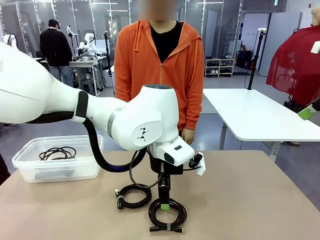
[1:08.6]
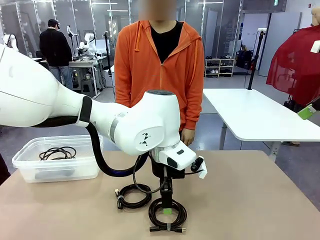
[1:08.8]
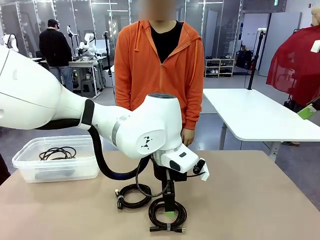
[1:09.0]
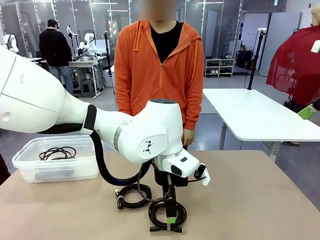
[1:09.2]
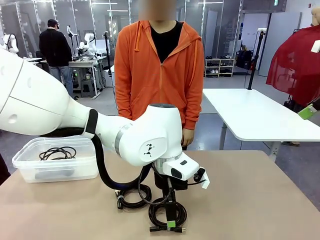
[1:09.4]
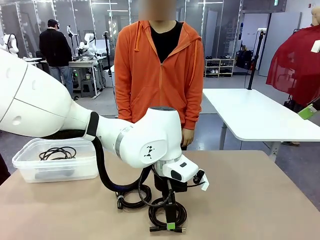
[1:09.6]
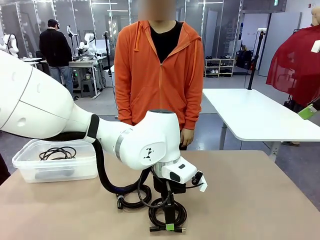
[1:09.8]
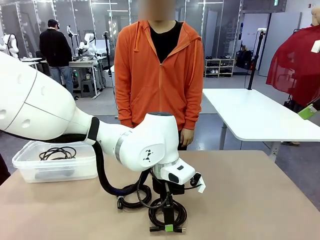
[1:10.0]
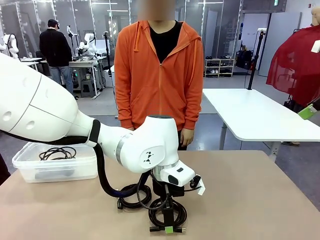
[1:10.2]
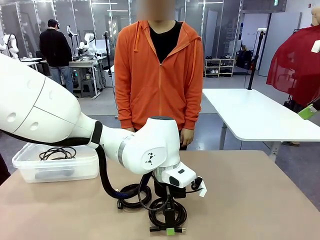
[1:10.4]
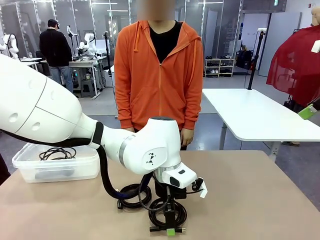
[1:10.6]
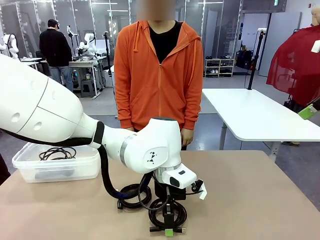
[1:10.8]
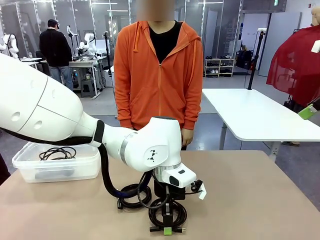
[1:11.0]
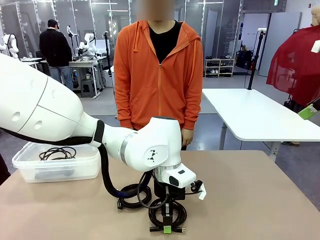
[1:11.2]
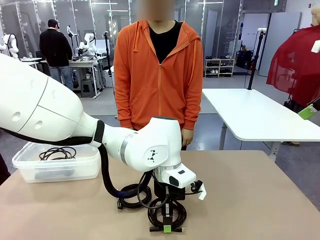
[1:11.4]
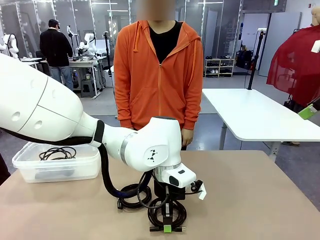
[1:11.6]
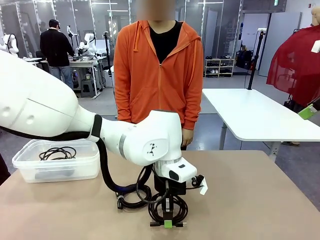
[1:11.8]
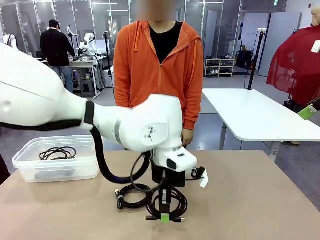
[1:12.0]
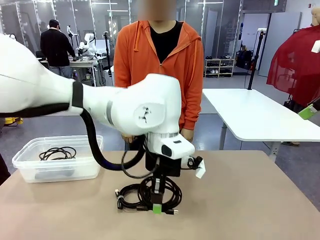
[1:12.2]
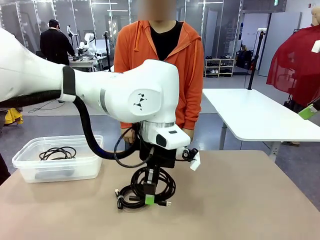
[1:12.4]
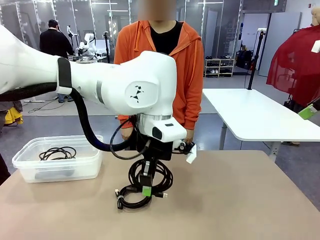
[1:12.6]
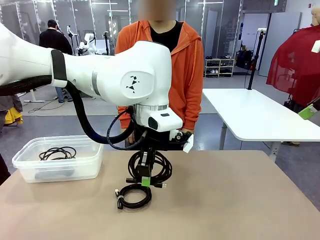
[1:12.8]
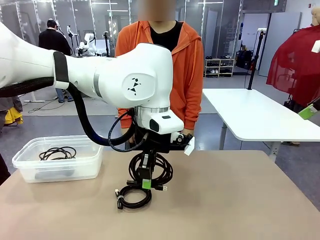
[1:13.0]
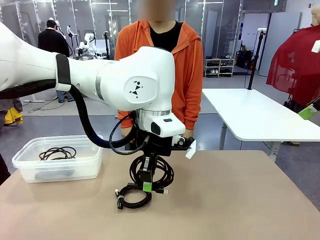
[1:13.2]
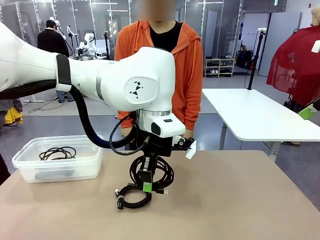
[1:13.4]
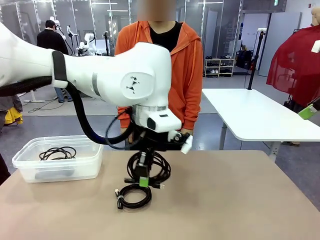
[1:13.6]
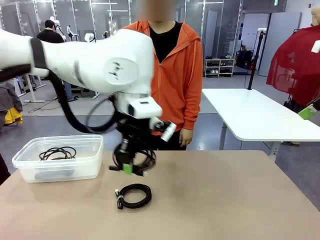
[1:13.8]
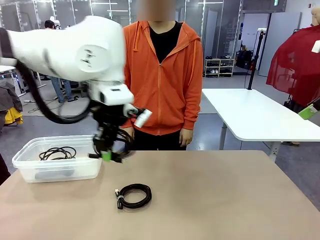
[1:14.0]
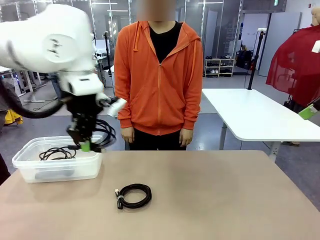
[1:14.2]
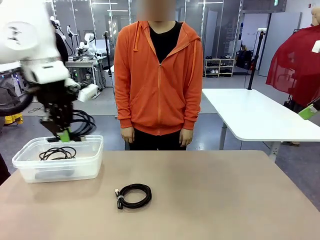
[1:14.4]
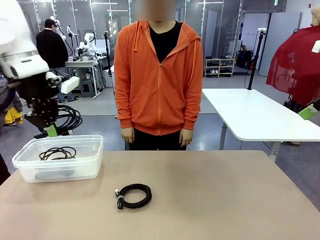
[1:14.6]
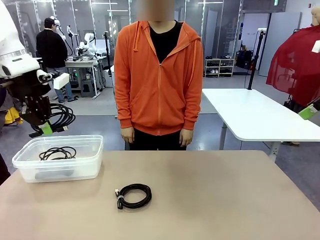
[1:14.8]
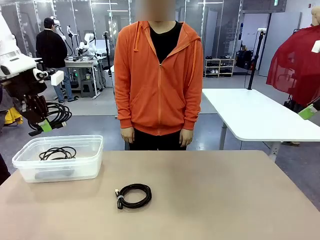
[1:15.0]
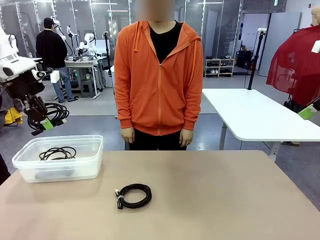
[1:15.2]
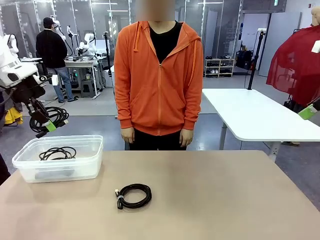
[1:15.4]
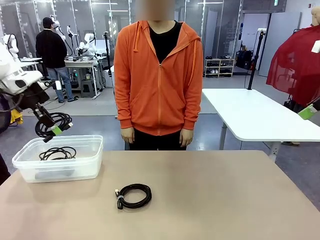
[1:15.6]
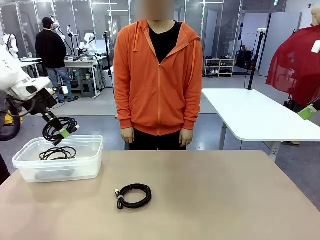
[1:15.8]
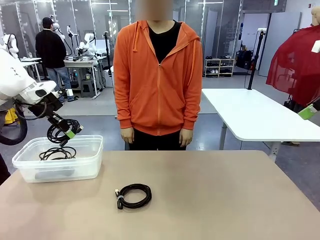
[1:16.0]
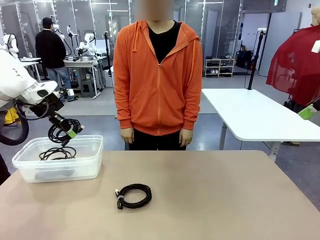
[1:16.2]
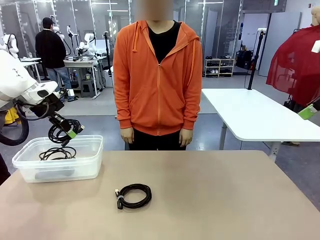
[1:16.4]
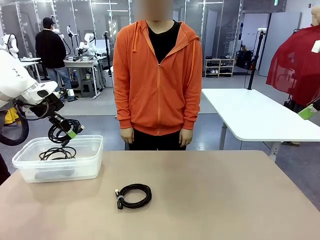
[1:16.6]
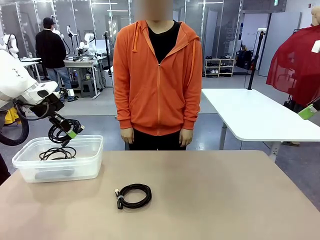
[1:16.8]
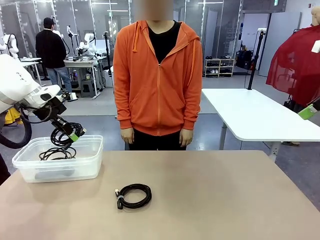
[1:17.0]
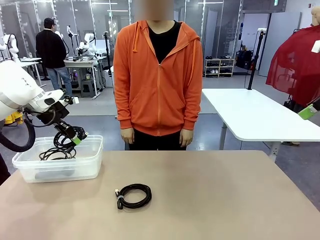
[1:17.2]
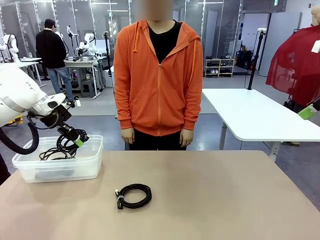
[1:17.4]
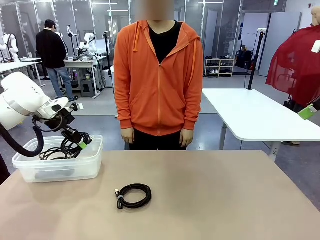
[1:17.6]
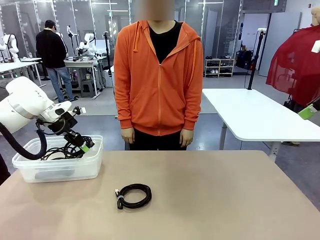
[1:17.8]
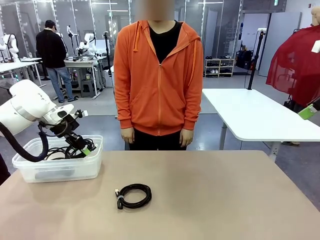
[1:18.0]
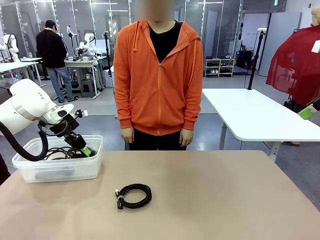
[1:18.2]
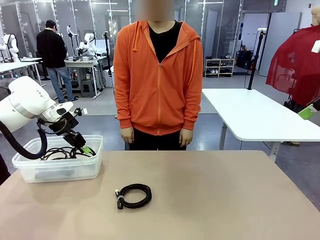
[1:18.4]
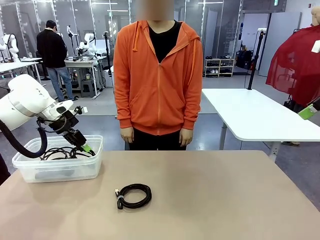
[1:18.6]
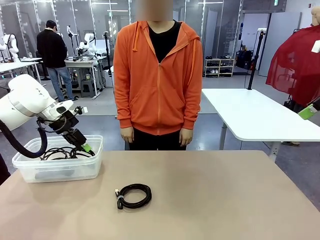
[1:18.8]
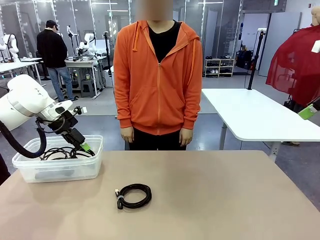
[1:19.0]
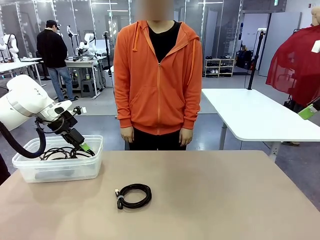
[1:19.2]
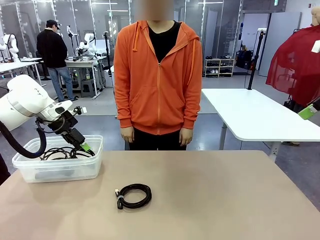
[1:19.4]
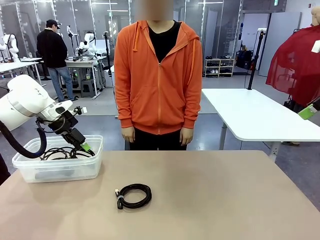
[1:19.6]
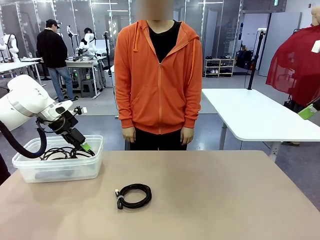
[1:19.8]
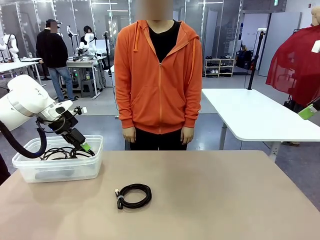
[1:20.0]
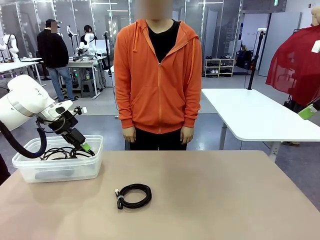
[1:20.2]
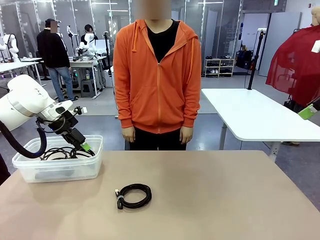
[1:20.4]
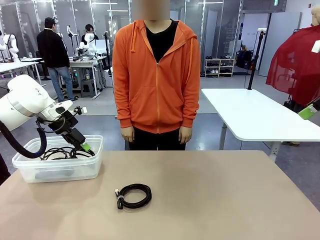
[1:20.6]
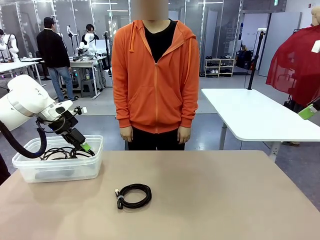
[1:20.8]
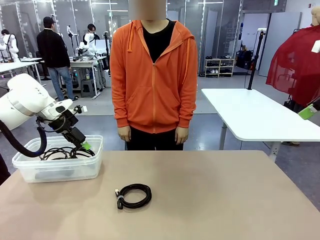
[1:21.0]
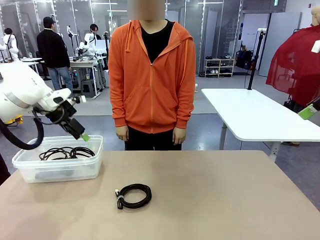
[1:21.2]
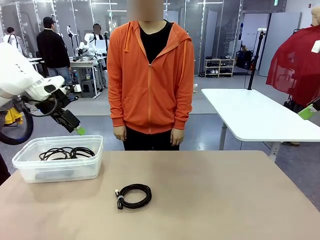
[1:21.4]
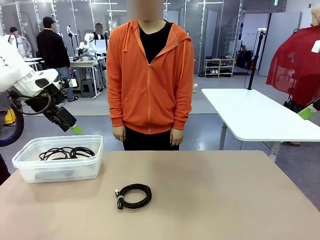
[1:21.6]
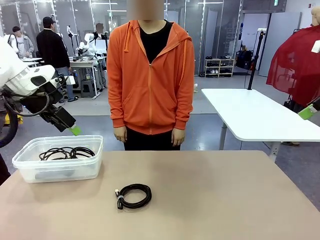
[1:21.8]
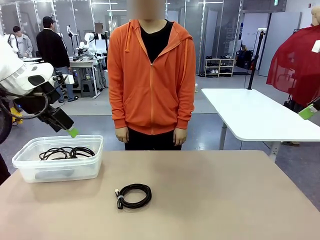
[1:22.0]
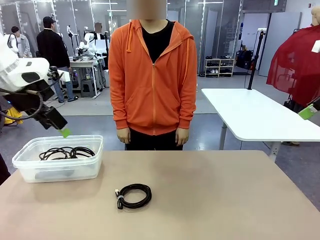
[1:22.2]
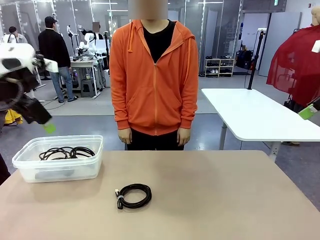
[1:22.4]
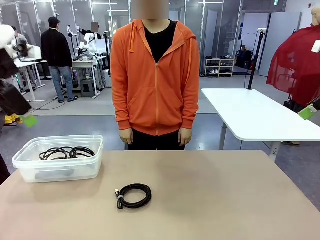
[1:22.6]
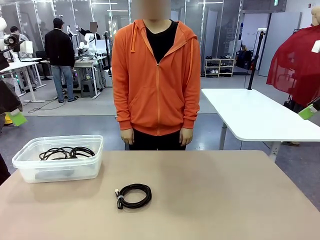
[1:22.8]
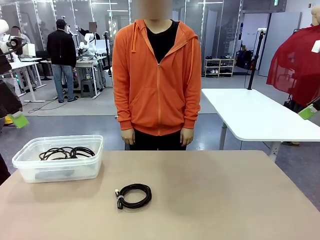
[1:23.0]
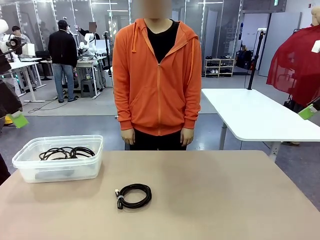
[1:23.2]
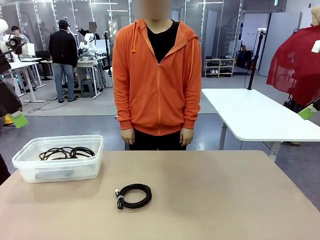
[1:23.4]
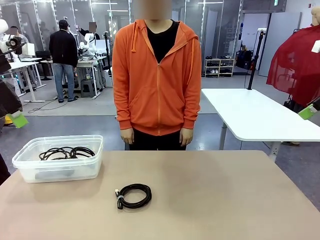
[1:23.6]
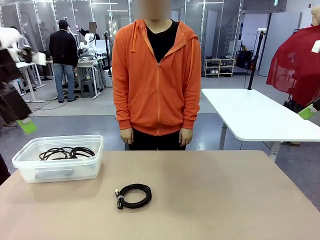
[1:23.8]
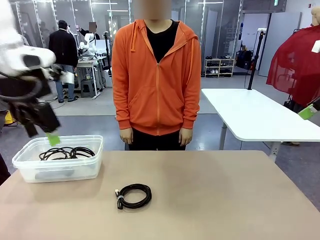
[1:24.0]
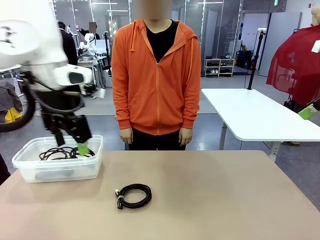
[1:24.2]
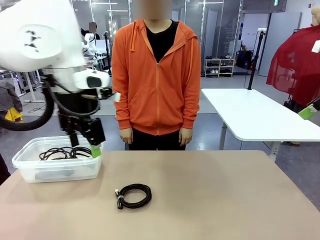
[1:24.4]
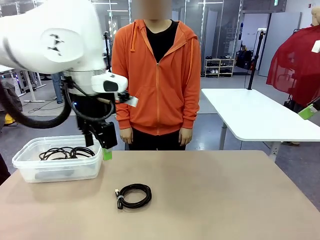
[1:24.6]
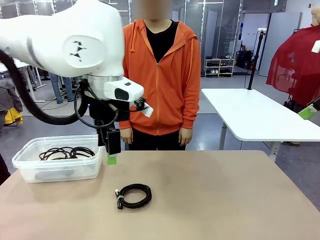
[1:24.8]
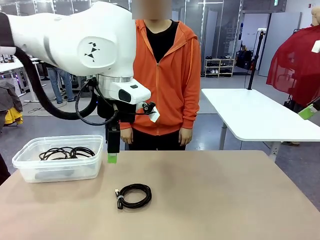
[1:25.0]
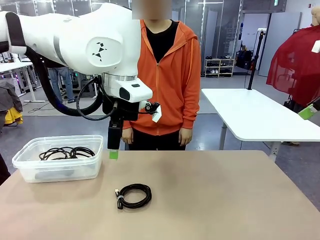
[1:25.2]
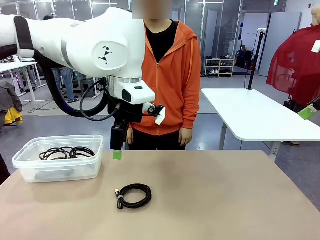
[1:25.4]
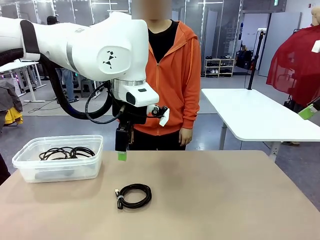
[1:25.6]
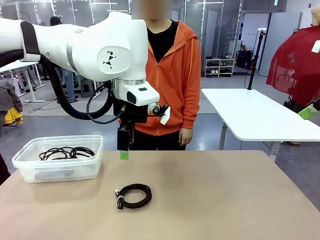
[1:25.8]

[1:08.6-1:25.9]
Task: Organize and store the cables.
Robot: Place the USB Extension Cable into the Organizing box.
